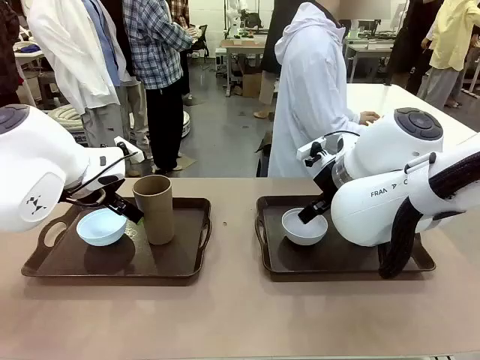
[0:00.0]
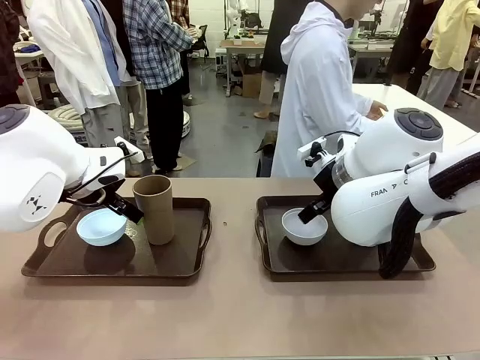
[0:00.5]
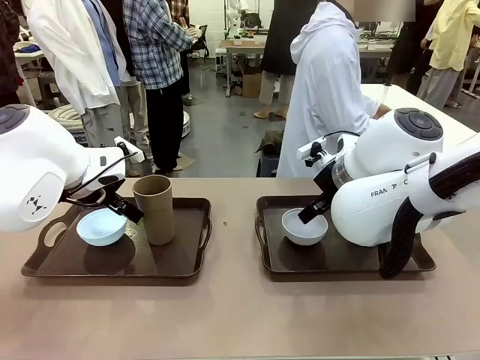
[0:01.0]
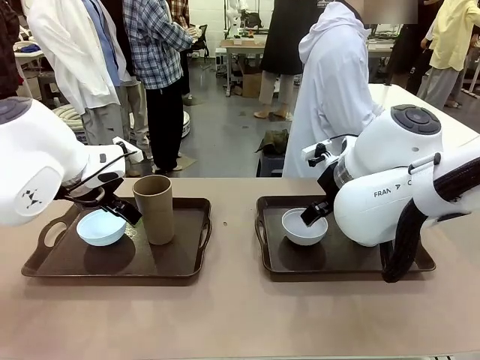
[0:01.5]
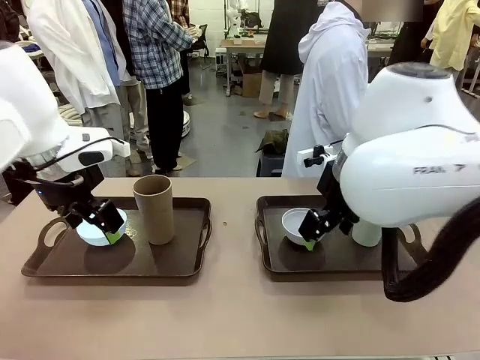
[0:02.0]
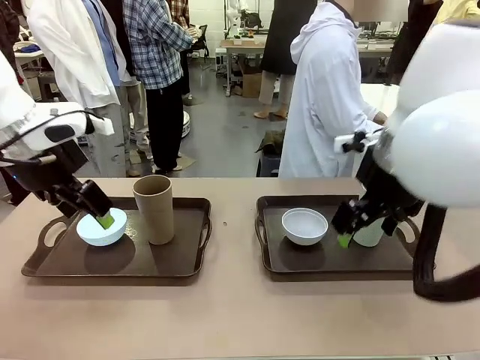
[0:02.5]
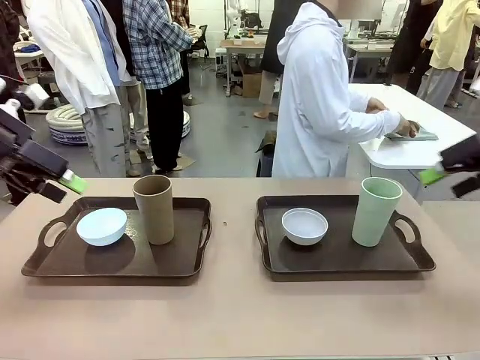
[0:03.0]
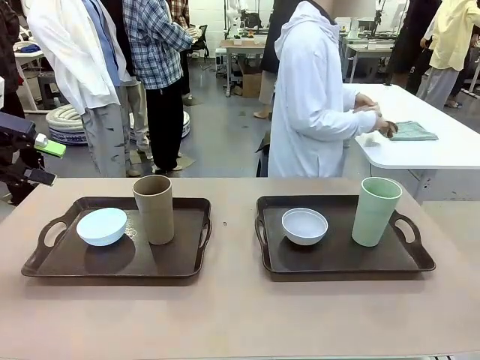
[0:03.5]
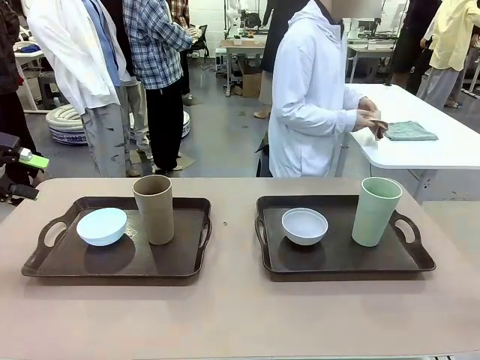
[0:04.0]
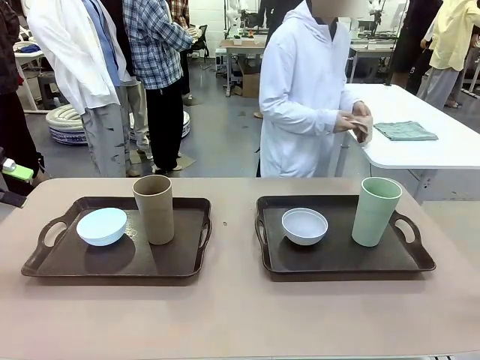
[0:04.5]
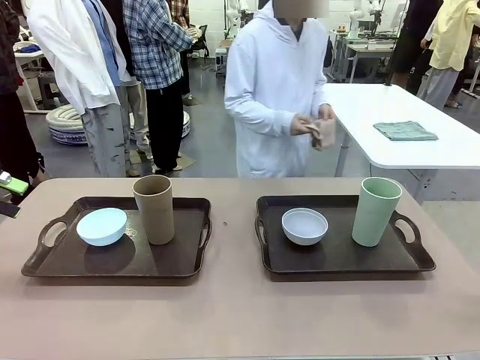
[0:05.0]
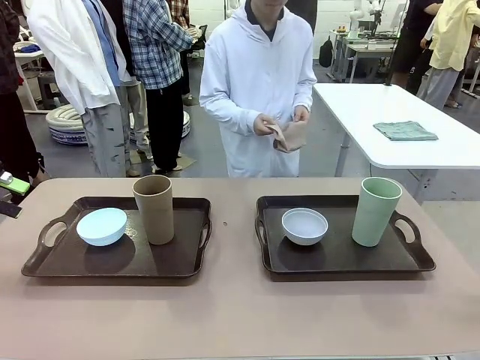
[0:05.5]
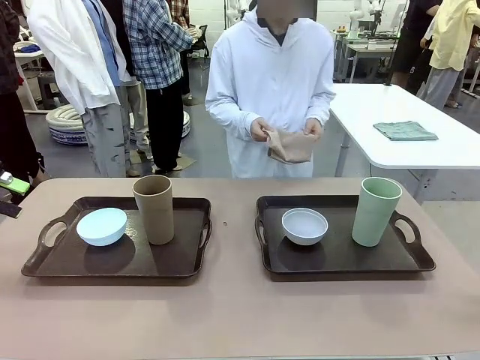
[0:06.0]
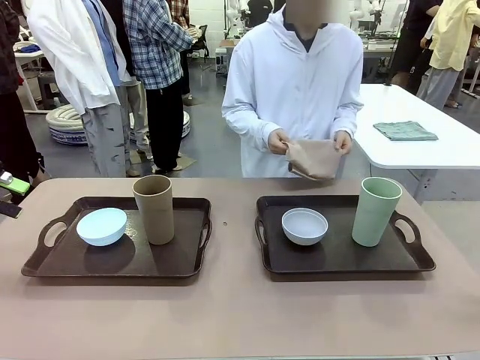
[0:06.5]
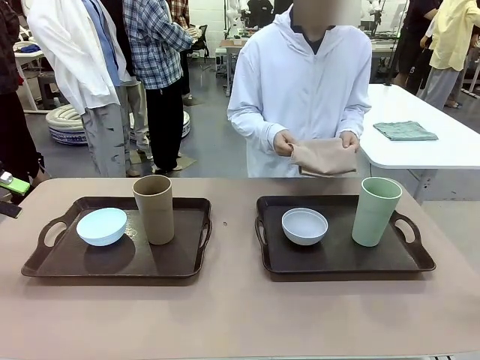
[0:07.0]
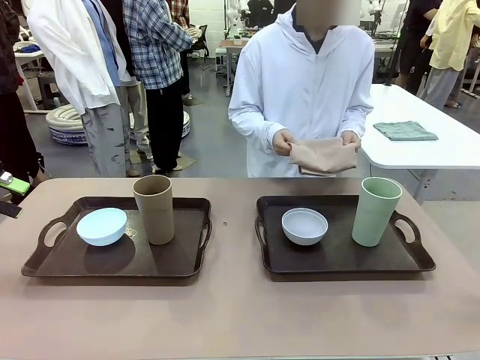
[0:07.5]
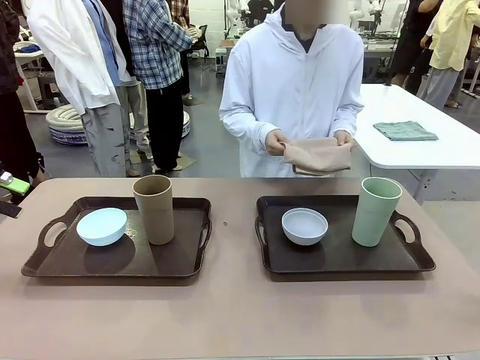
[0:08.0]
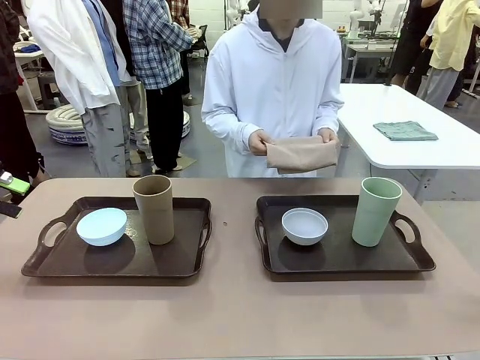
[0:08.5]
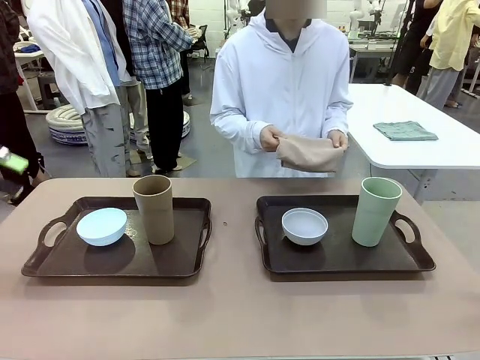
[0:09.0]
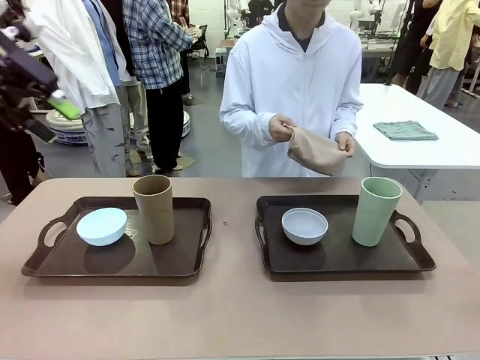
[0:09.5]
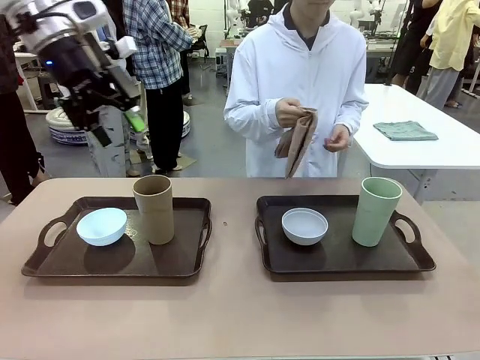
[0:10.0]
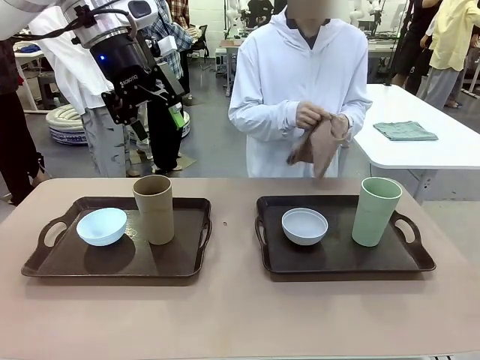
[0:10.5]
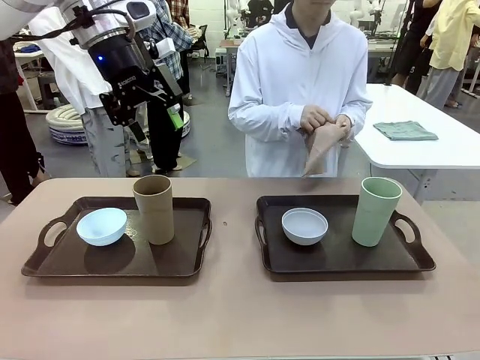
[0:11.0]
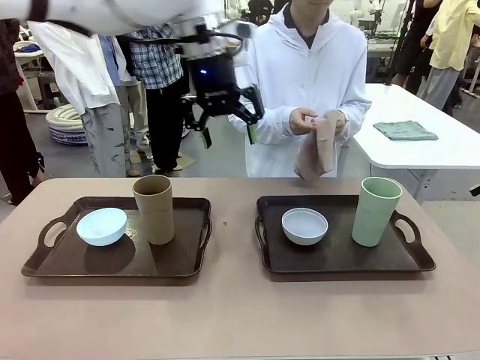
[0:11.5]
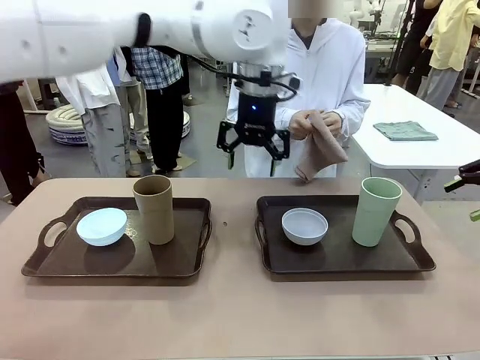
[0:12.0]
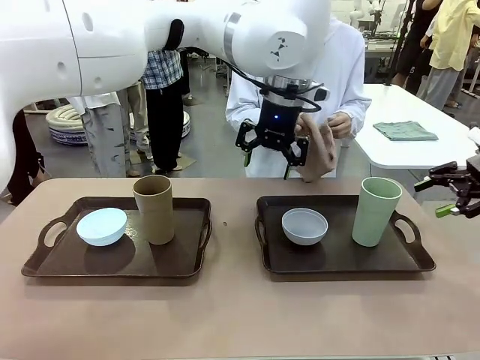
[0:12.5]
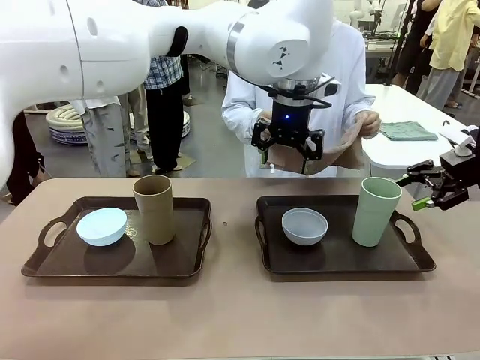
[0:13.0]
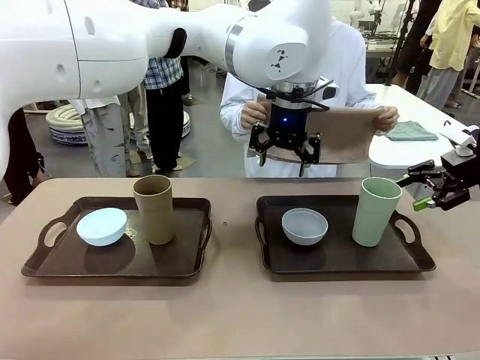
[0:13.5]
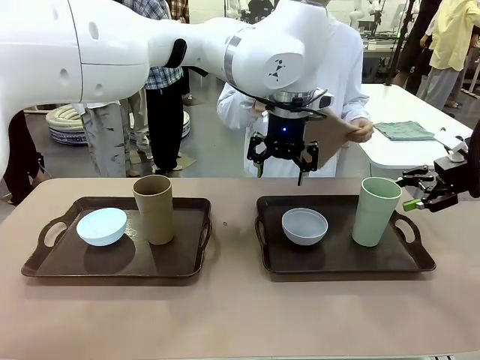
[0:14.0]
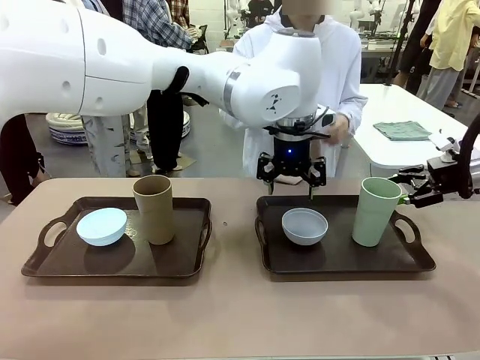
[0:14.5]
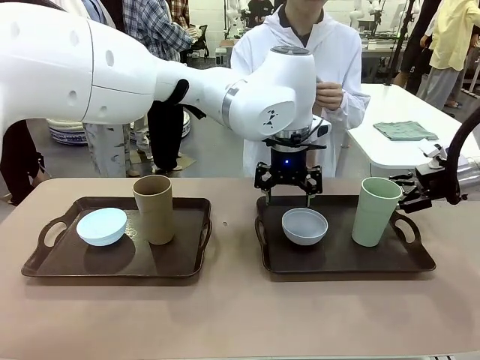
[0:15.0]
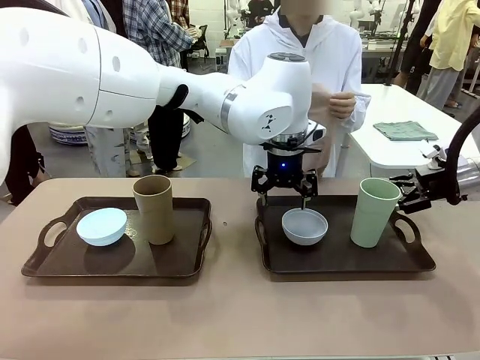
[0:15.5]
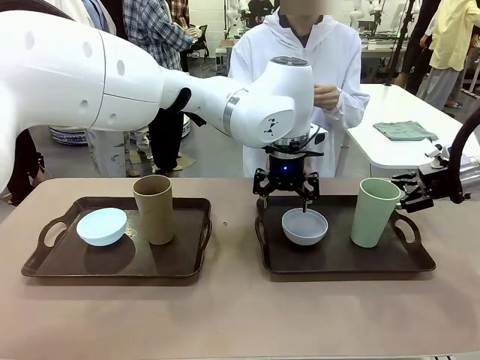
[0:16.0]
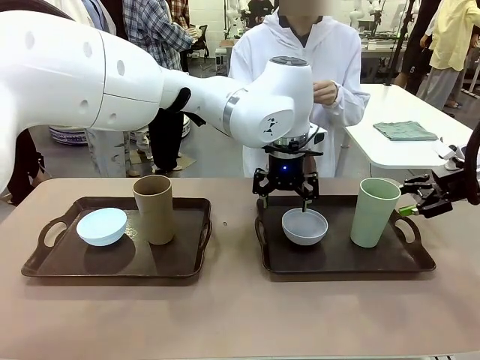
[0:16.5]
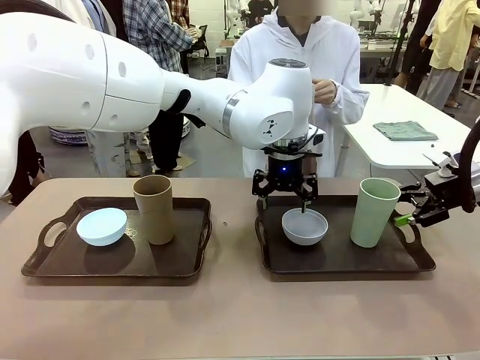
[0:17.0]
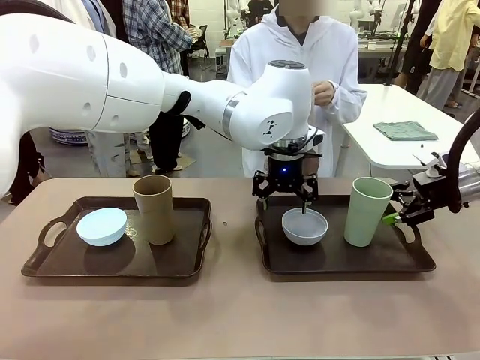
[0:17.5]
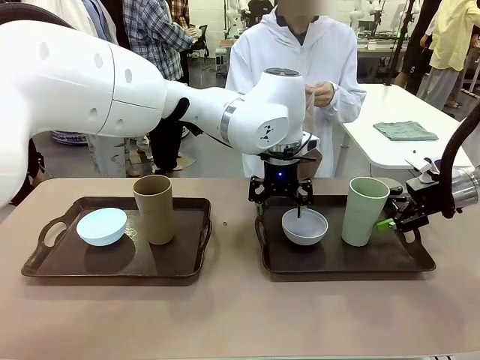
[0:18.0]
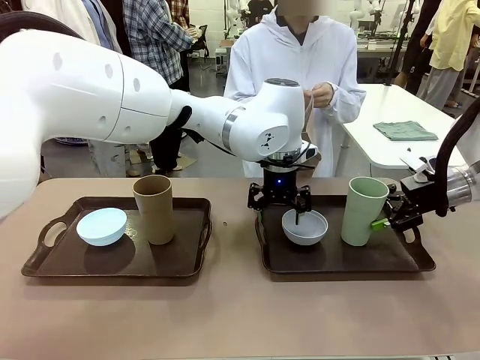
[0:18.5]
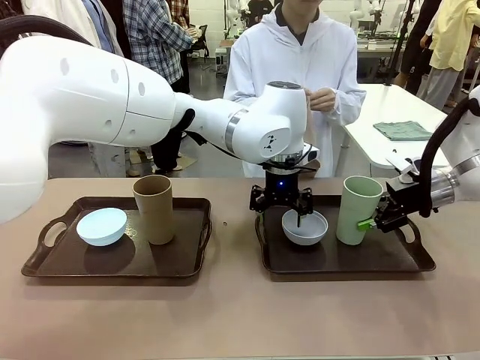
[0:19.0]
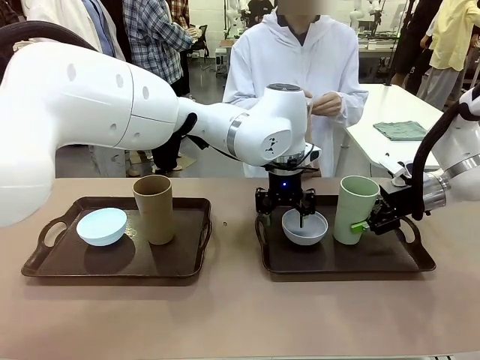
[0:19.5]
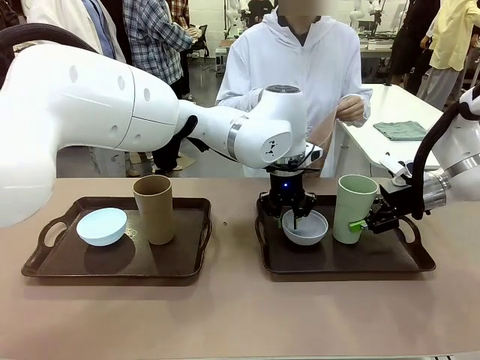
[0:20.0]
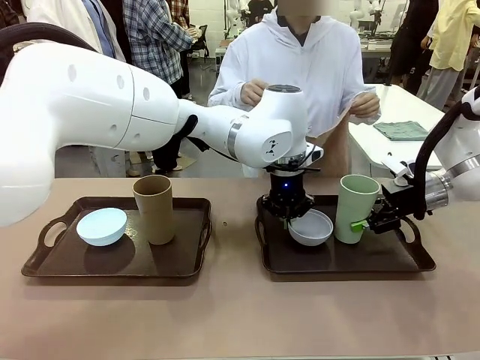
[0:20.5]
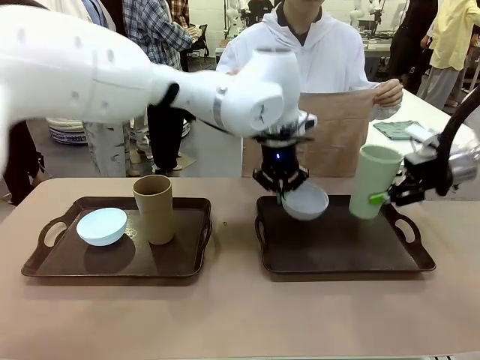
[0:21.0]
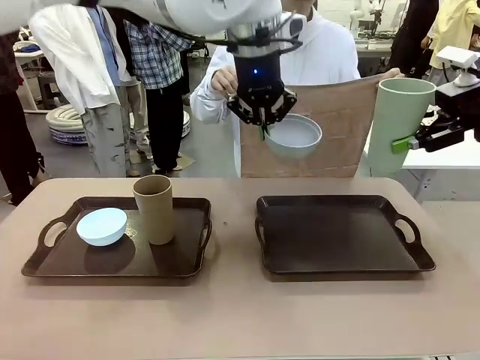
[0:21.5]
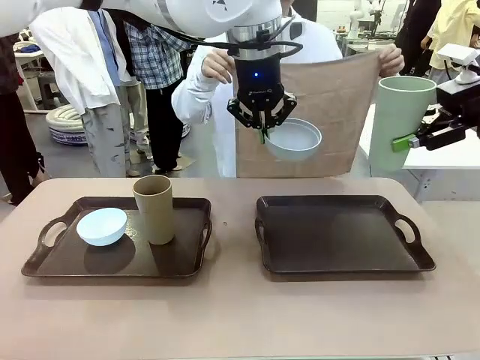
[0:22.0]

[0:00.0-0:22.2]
Robot: Pick up the Picnic Bowl and Reusable plastic cup from the Handle tray in front of the human's position and hold them in the air.
Person: The human picks up the top napkin from the stack on the human table and walks to the robot table to stand in front of one of the two trays. When the robot lifts the bowl and the cup, the human unfolds the napkin and lays the napkin flat on the tray.
